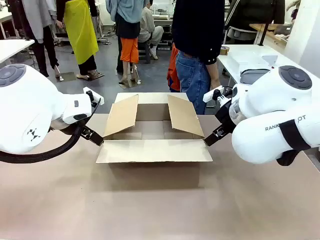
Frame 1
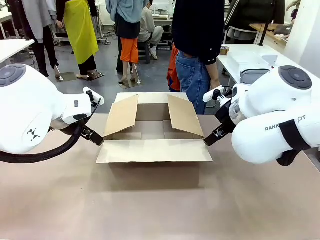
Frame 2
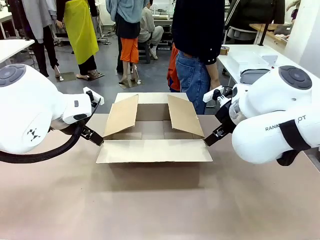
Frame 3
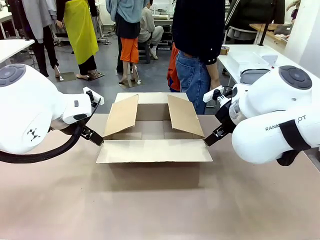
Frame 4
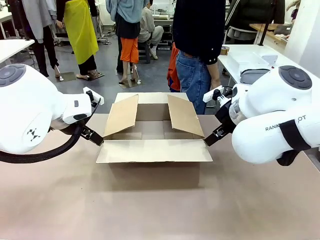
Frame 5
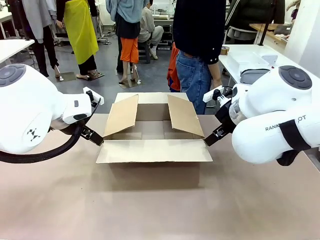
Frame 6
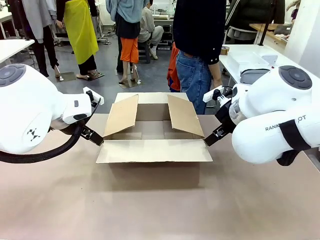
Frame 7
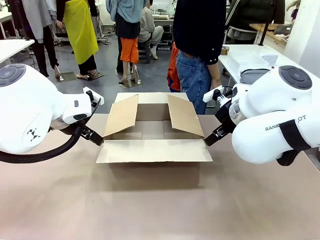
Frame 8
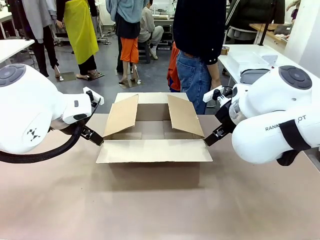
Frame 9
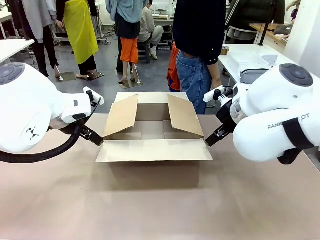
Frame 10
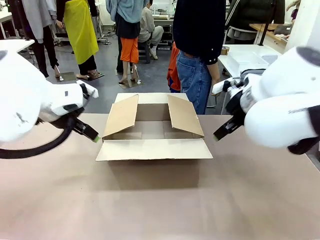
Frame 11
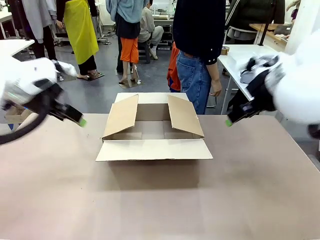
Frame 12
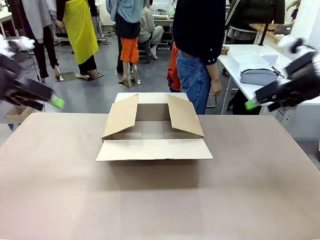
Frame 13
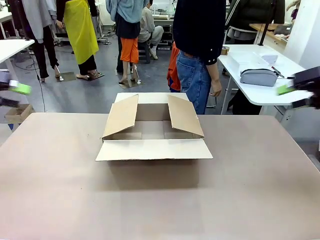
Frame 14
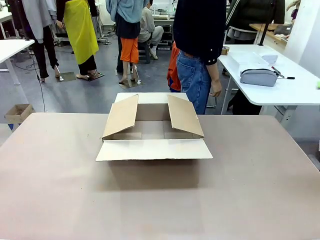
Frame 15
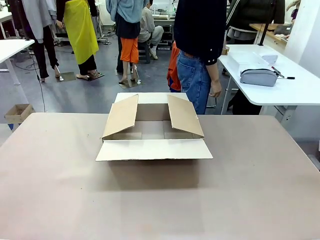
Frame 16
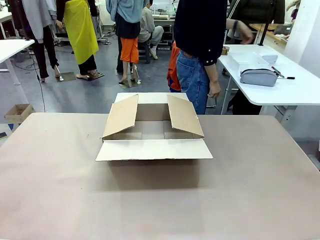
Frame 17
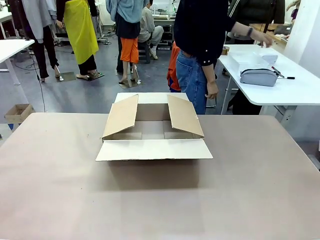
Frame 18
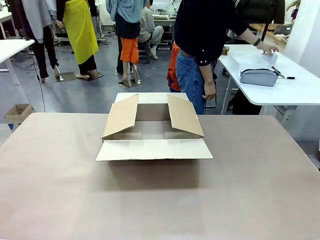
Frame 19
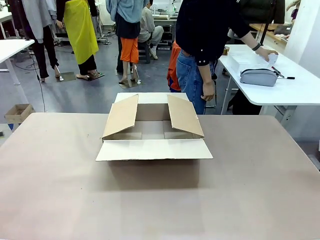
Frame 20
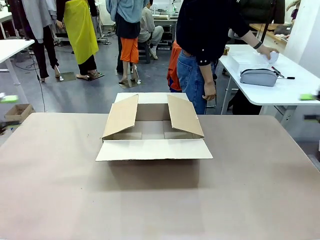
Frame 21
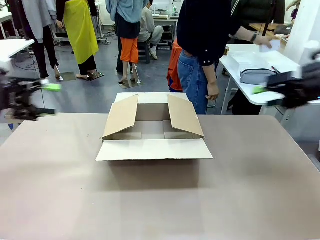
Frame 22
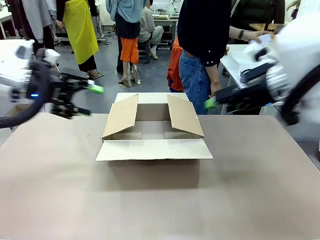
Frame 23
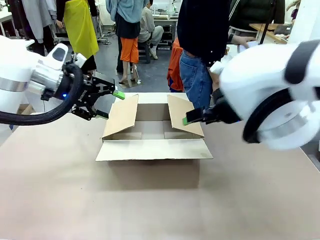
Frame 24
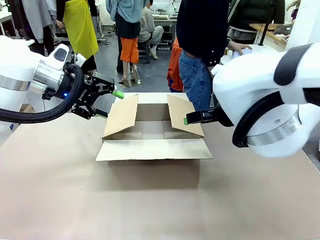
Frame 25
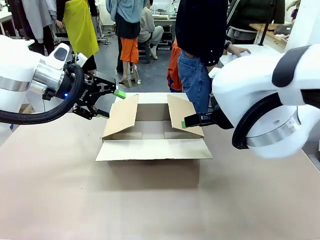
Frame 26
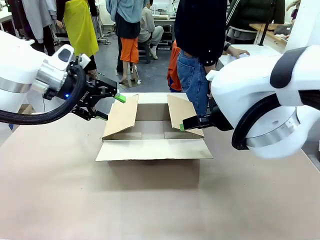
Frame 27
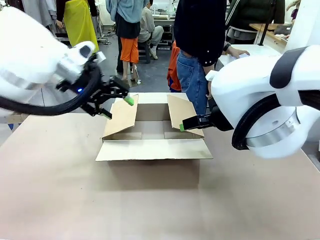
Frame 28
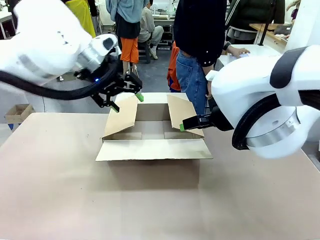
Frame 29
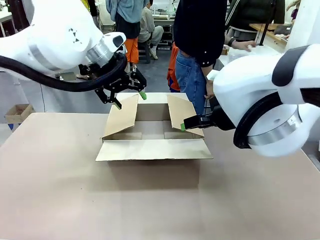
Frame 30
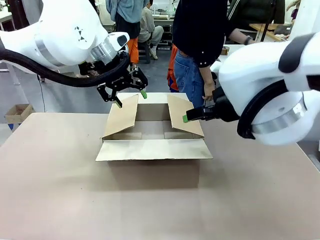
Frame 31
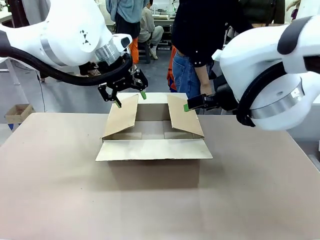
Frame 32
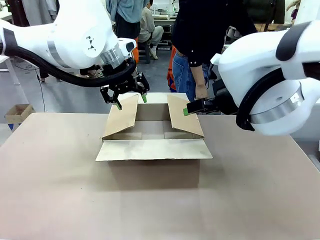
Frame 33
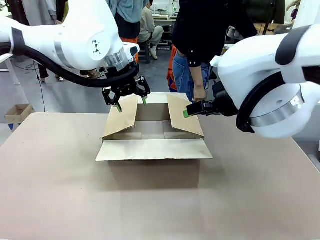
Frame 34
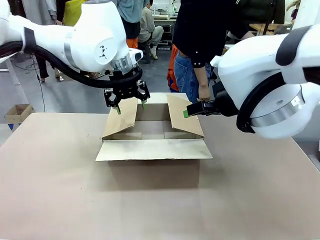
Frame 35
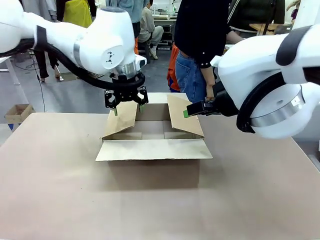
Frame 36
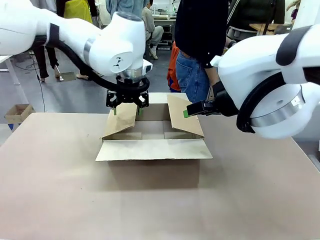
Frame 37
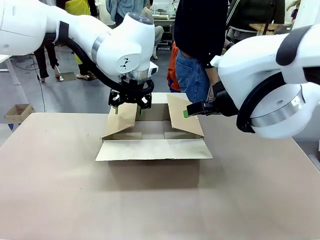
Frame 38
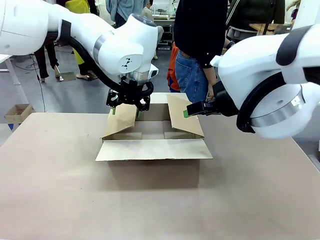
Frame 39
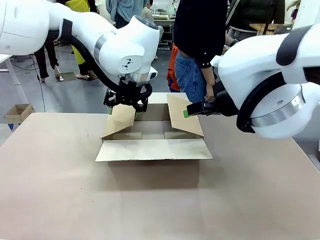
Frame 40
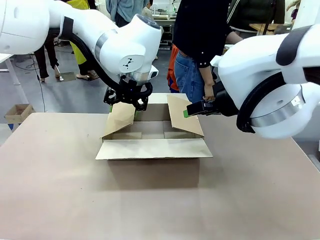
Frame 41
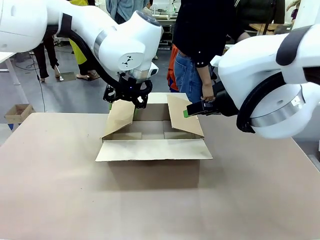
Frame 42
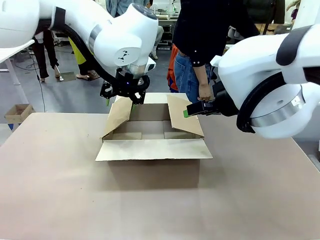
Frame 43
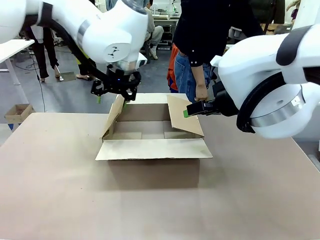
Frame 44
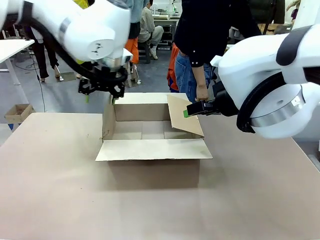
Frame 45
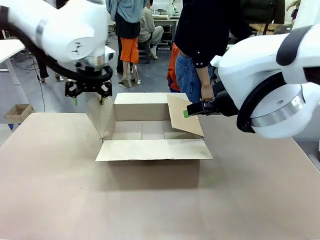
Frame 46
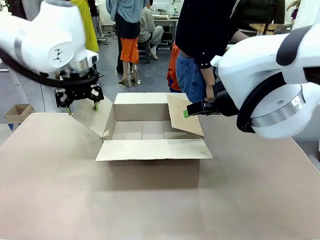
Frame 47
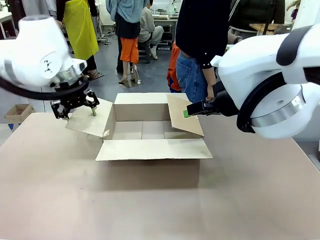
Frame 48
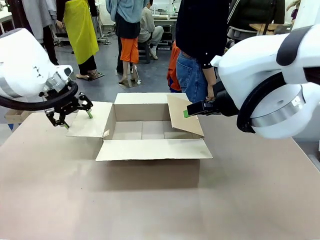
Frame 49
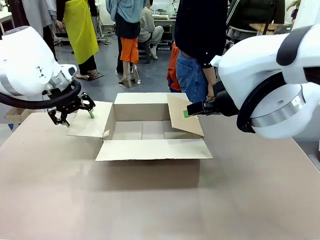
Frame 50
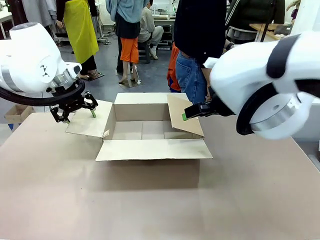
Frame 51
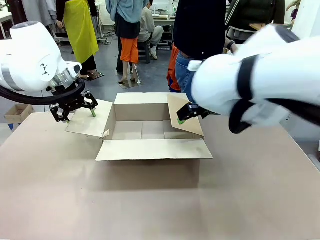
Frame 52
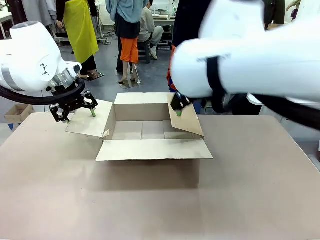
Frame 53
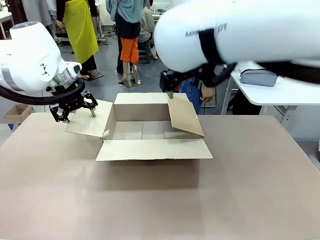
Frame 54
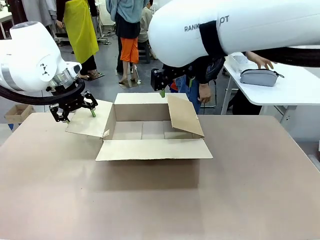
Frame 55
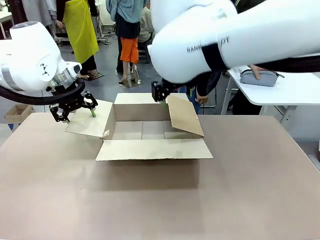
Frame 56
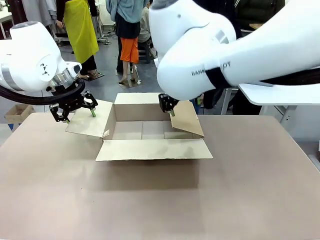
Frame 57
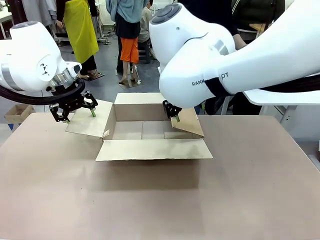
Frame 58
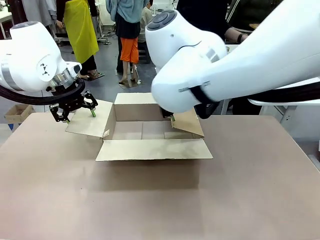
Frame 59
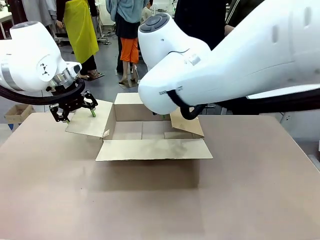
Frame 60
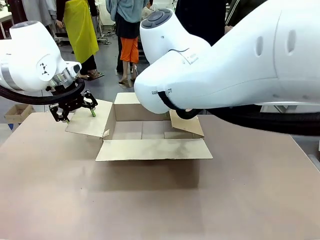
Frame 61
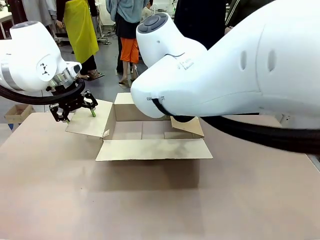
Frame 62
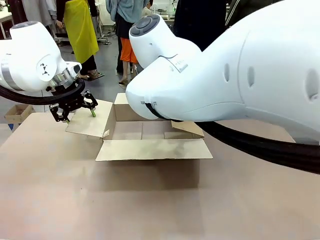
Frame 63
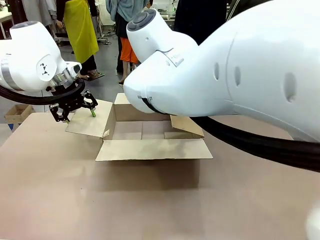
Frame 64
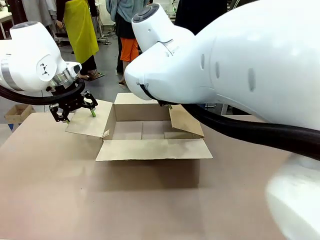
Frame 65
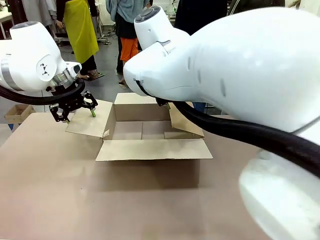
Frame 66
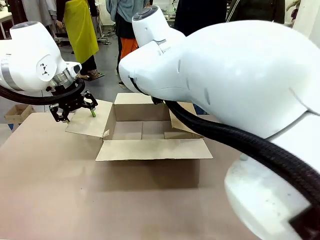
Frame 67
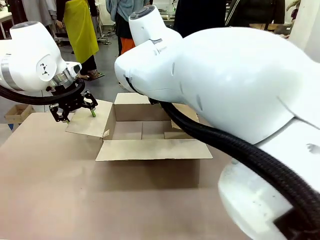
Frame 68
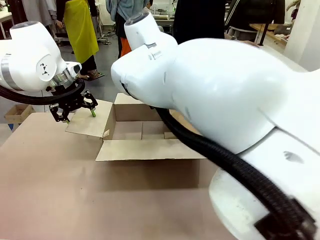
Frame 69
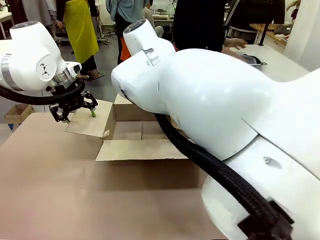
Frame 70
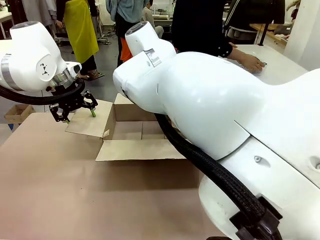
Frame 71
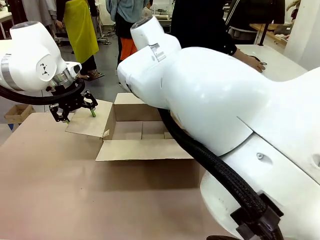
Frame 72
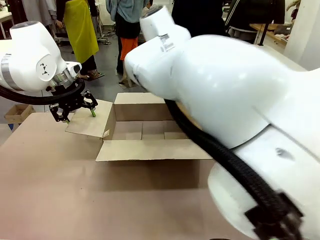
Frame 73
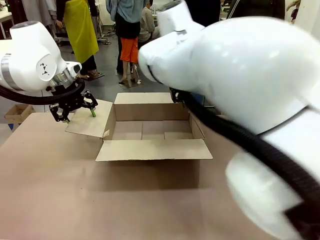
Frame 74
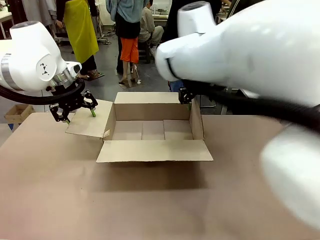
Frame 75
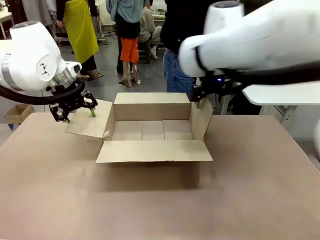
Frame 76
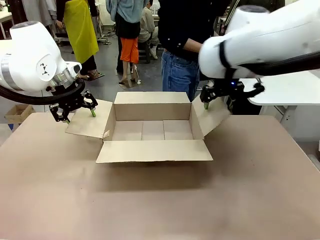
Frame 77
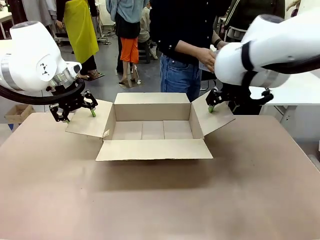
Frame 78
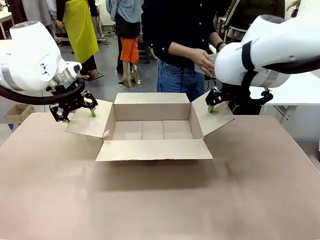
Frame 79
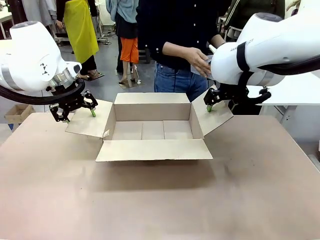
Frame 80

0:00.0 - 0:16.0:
Task: Pack the gift set into the box.
Robot: Place both hands on the side flaps of the Package Box and spread them outward.
Person: The human places all items except the paper tape into the organizing basket.

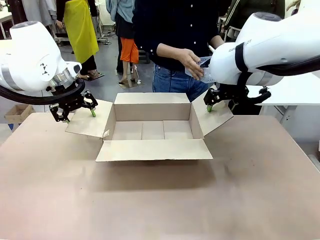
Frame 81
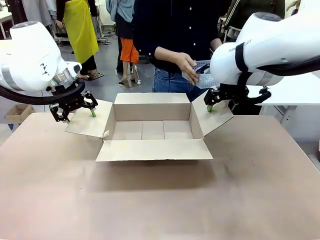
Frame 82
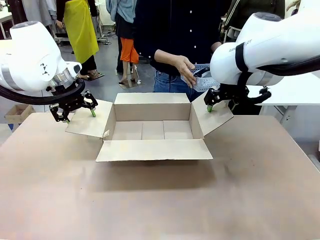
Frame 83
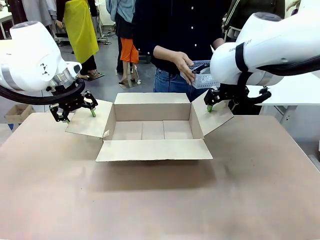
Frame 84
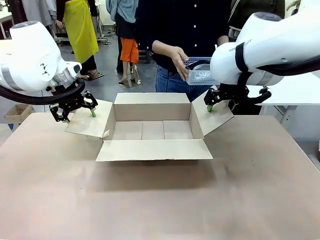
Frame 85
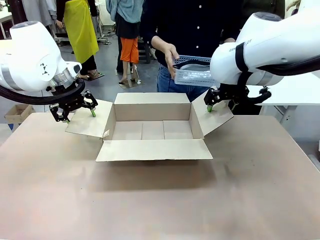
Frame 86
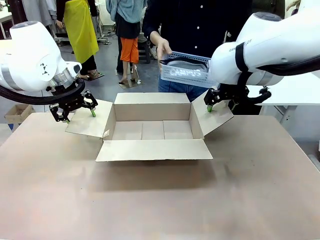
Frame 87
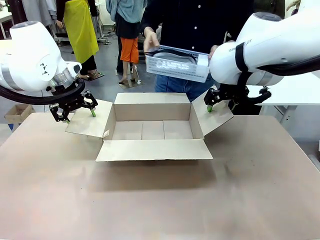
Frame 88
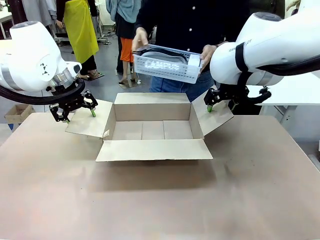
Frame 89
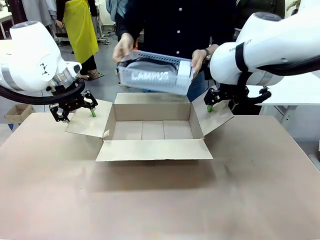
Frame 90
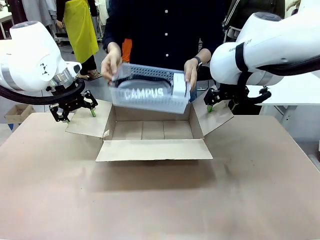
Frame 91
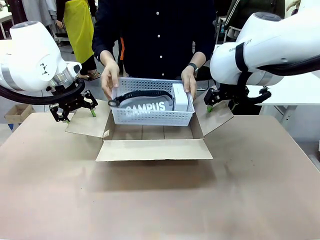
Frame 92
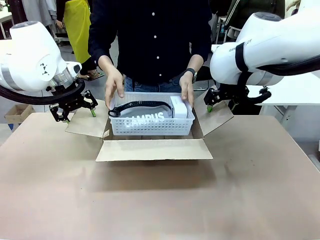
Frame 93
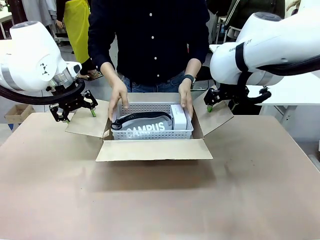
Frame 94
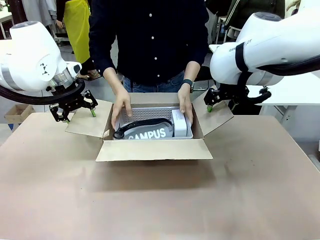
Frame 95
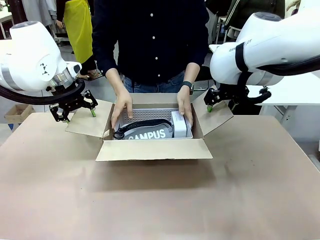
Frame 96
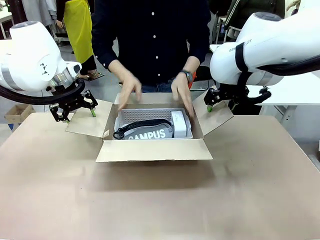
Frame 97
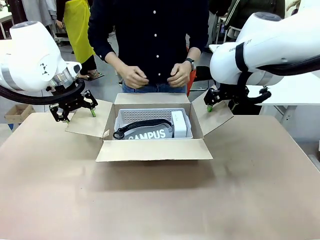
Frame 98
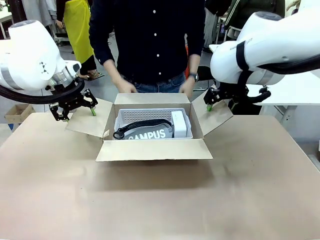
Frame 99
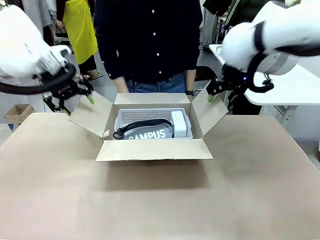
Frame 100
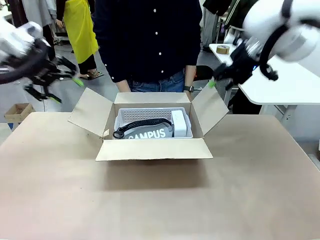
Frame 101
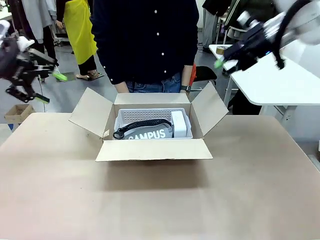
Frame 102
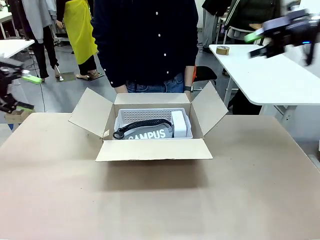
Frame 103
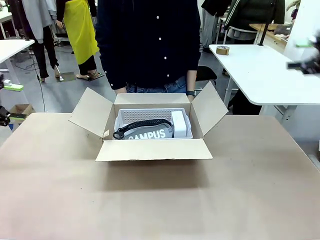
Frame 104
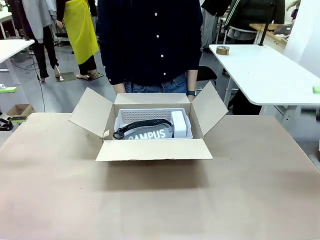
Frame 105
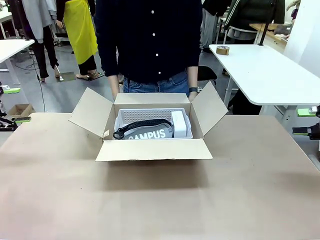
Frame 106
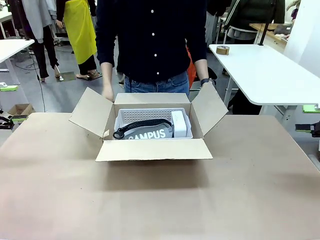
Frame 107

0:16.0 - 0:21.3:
Robot: Lift both hands away from the flaps of the Package Box.
Person: The human picks up the organizing basket and places the organizing basket into the package box on the robot table.
